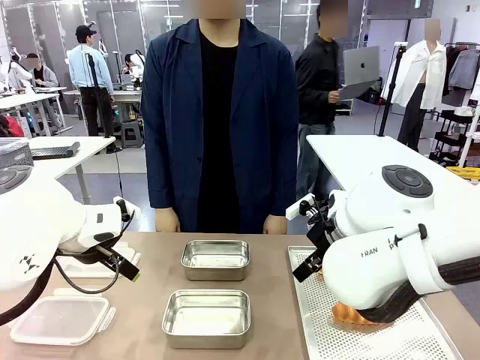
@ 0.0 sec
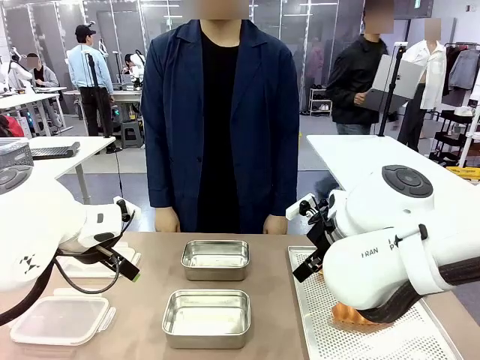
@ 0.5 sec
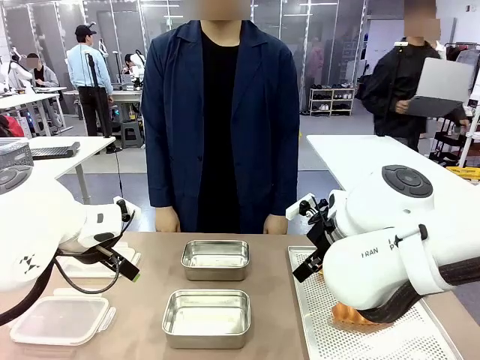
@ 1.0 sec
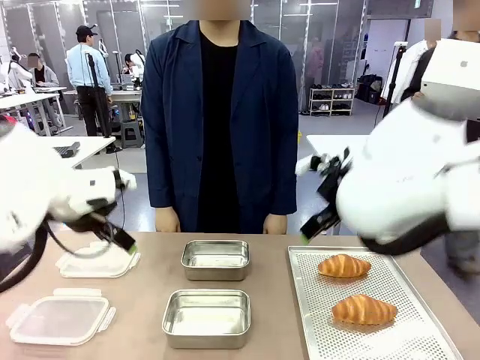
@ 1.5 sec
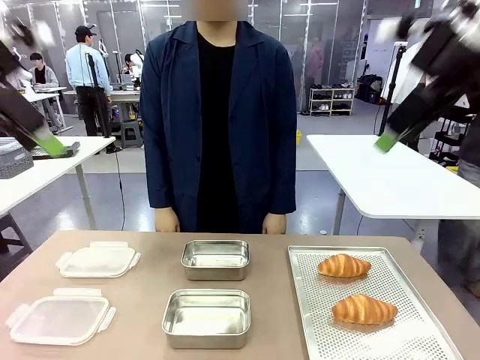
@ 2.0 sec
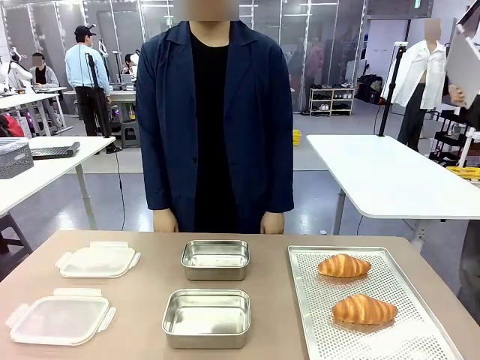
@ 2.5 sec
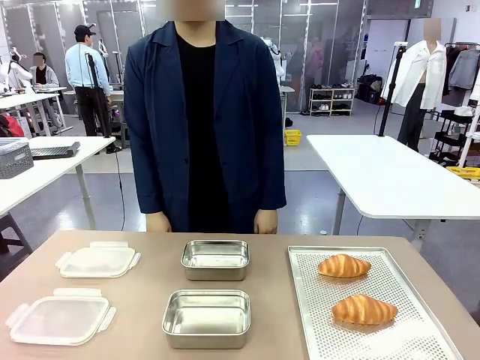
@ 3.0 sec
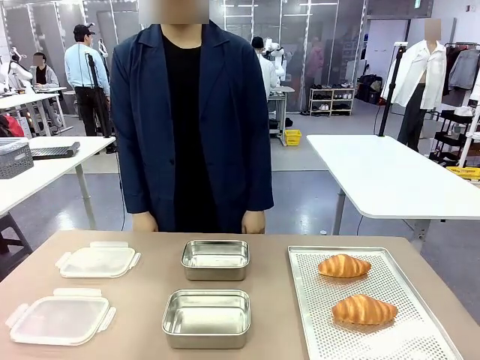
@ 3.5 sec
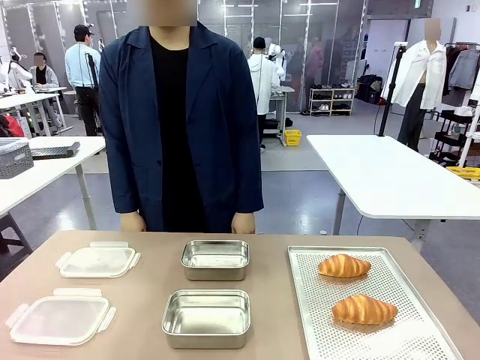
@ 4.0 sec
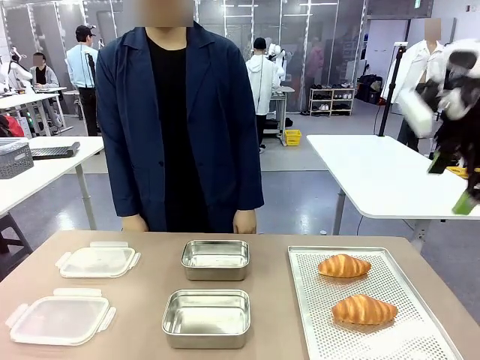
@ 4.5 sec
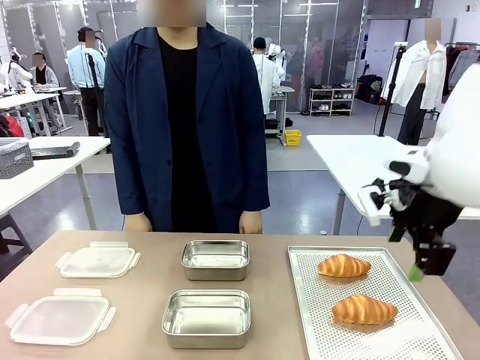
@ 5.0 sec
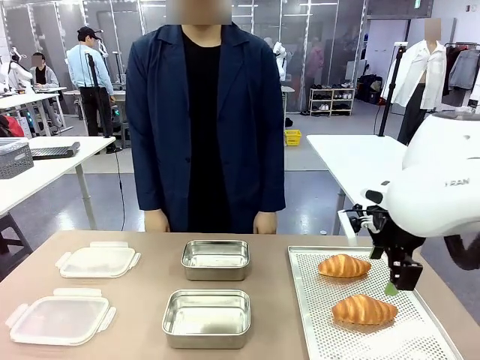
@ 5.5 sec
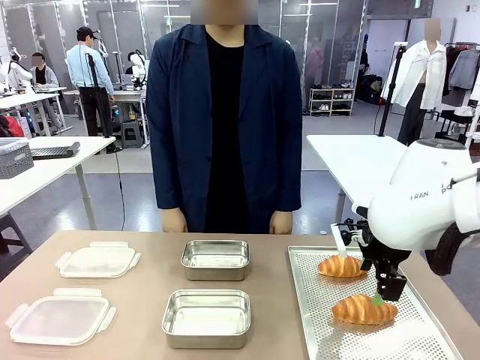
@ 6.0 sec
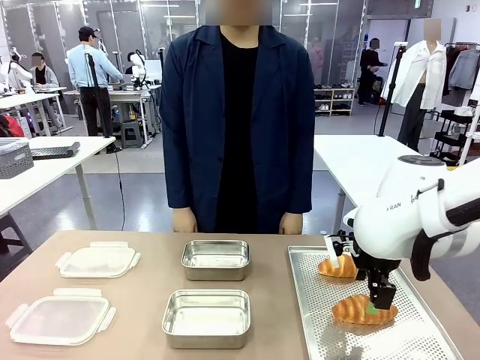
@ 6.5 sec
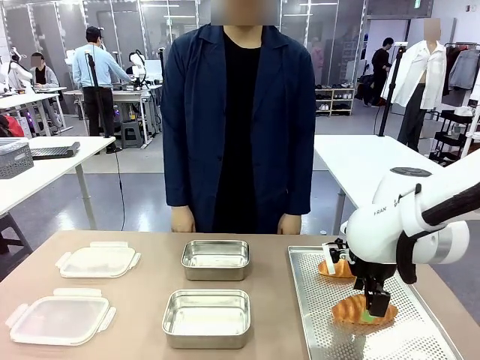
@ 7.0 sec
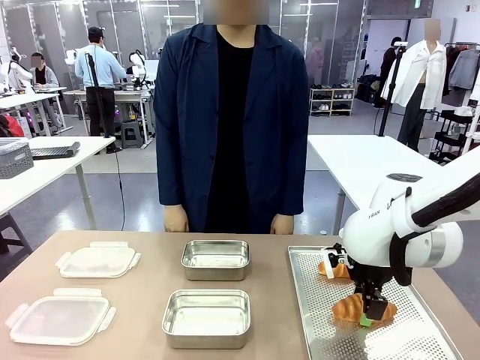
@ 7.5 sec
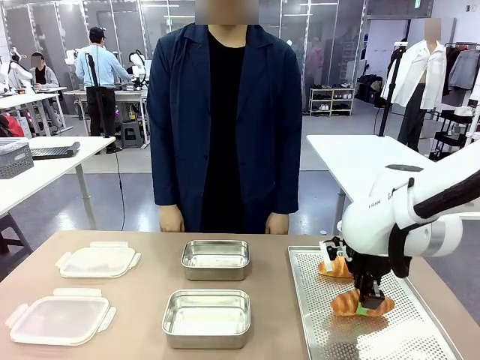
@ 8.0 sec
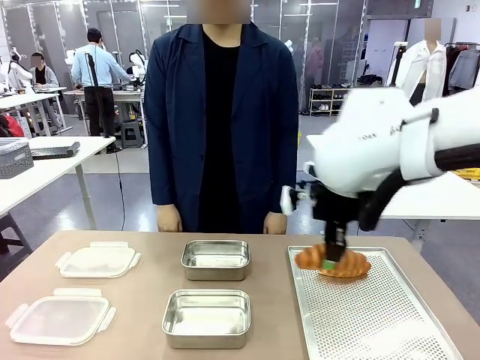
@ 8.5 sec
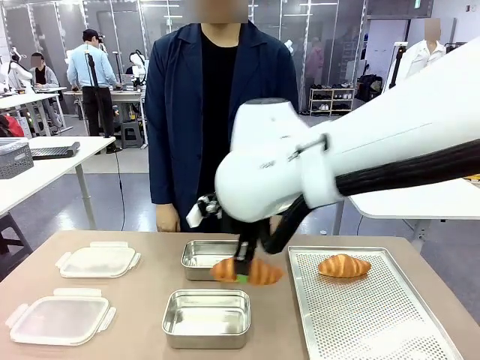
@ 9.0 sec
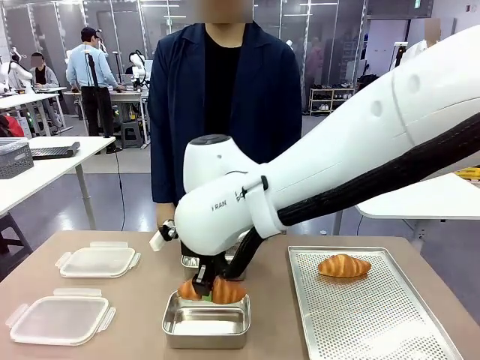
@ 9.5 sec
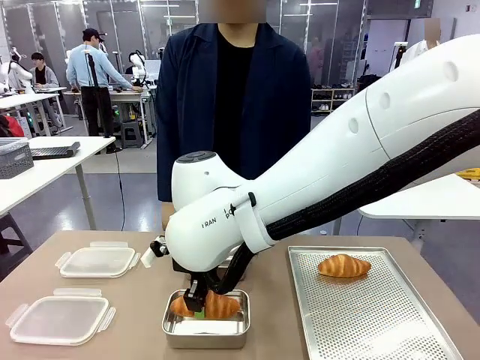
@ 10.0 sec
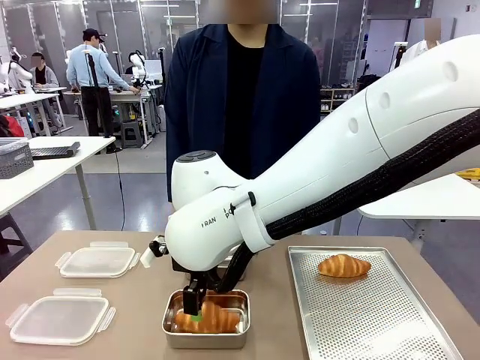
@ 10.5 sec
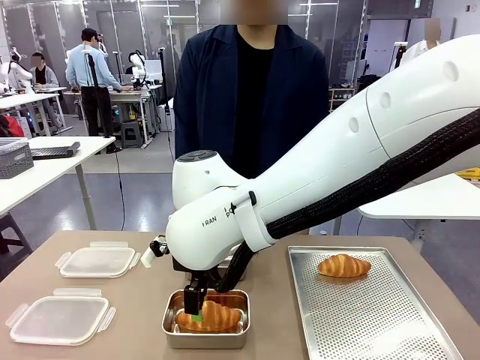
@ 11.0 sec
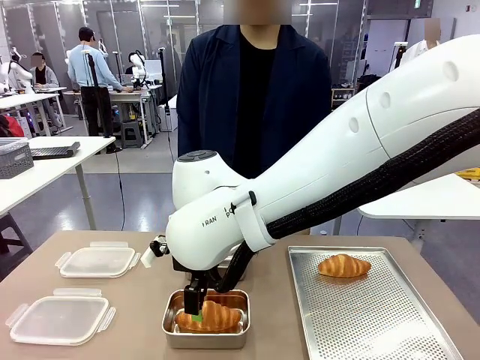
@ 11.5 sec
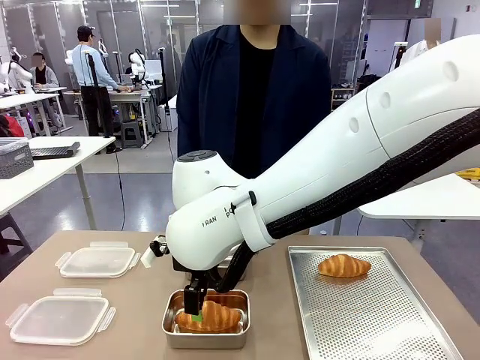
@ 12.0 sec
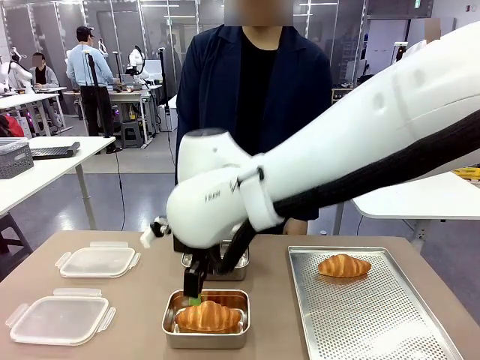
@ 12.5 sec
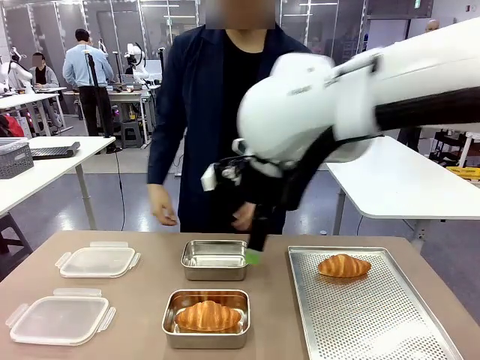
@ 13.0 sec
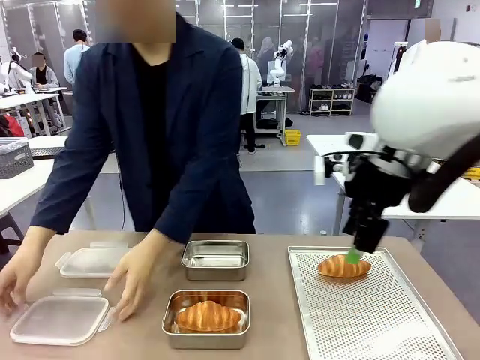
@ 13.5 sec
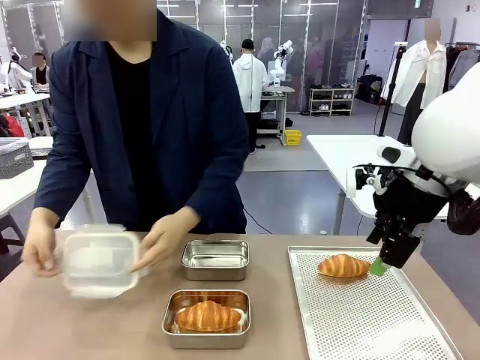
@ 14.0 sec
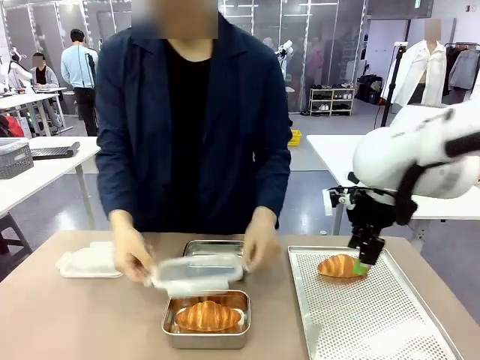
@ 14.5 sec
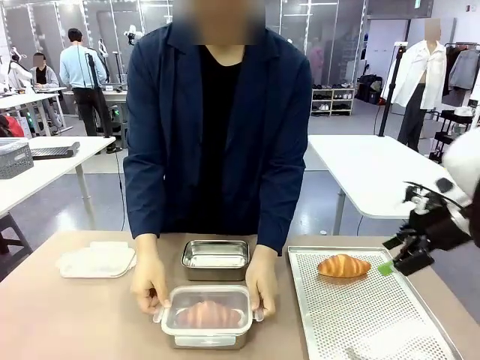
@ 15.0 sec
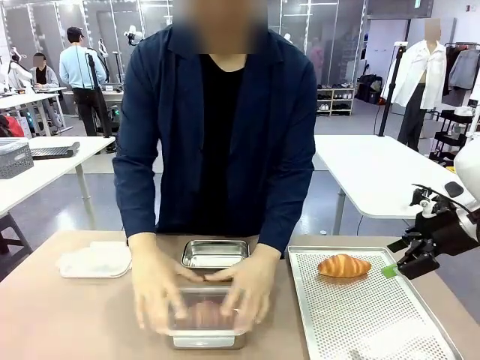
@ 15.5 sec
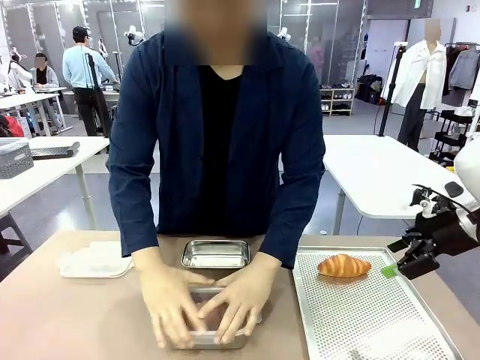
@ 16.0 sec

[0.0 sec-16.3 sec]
Task: Place the bread into the airtight container.
Robot: Pick up a Butter Roll and place it into an empty Airtight Container.
